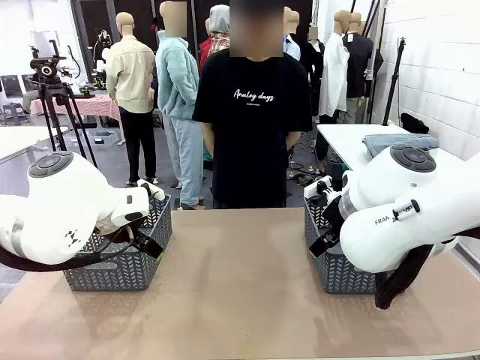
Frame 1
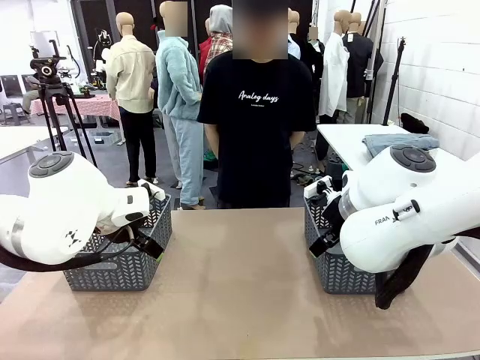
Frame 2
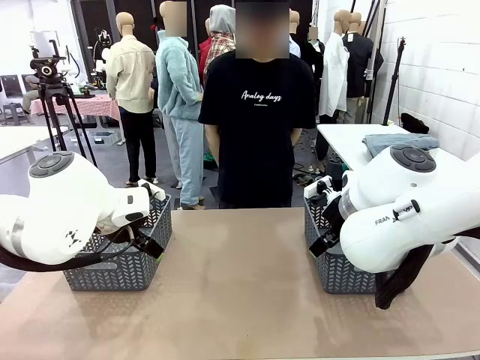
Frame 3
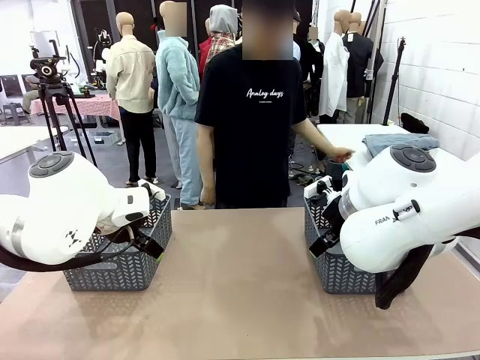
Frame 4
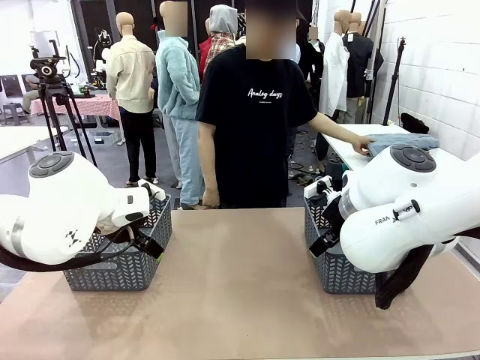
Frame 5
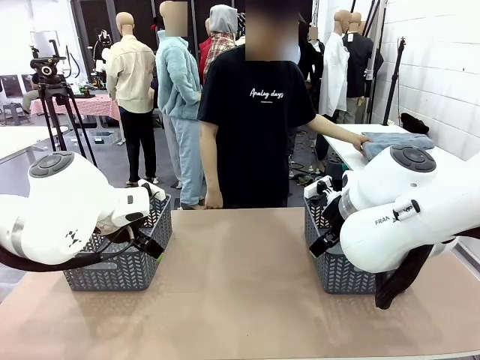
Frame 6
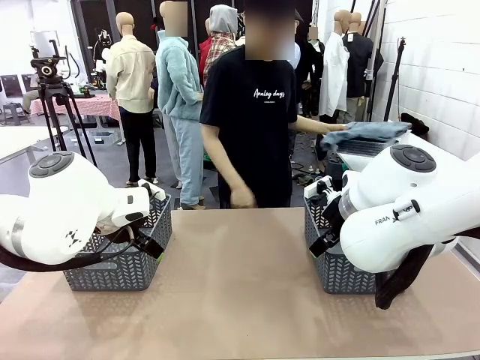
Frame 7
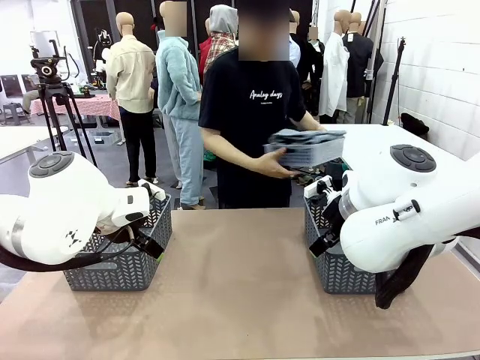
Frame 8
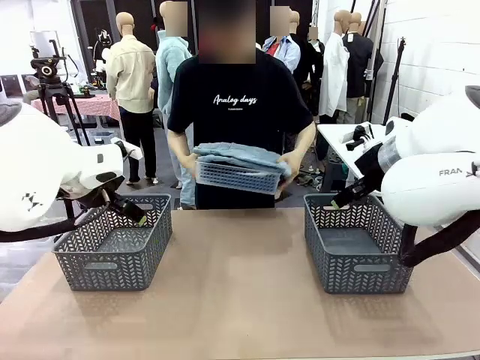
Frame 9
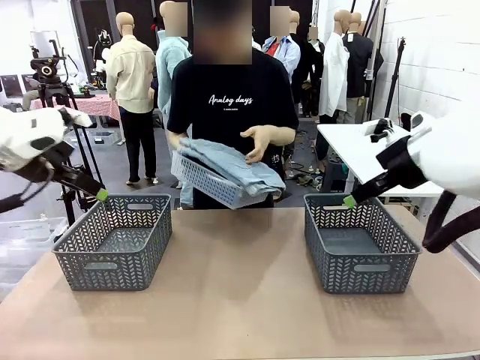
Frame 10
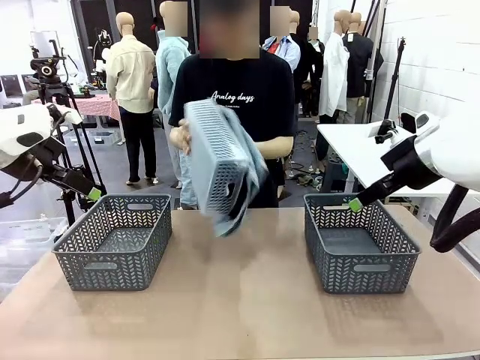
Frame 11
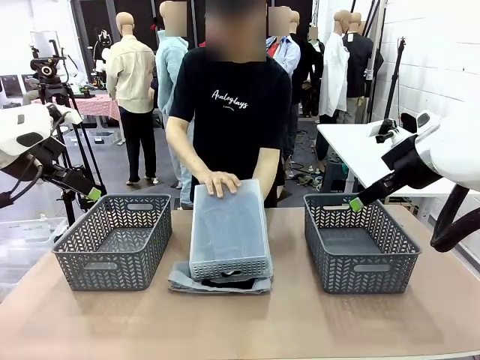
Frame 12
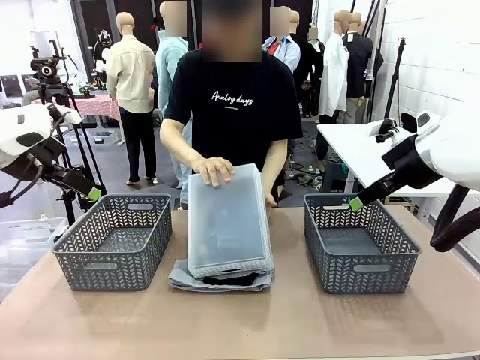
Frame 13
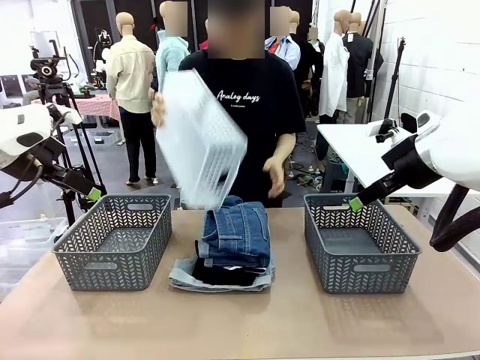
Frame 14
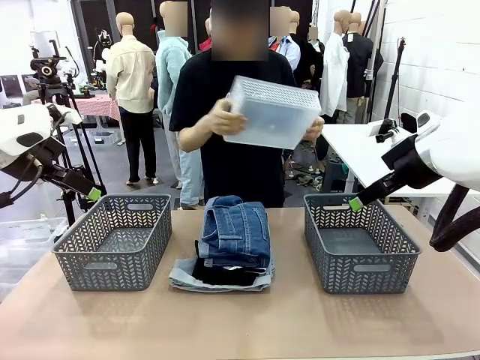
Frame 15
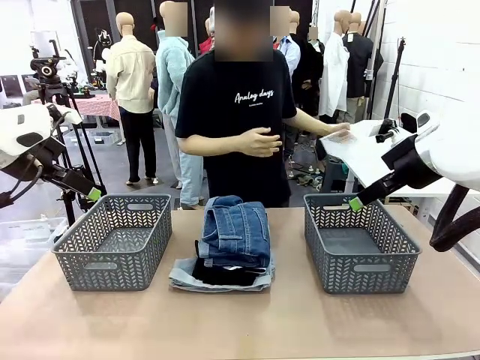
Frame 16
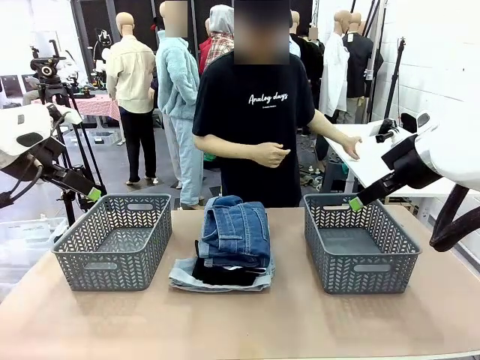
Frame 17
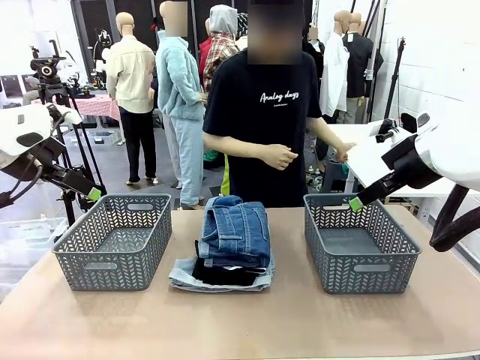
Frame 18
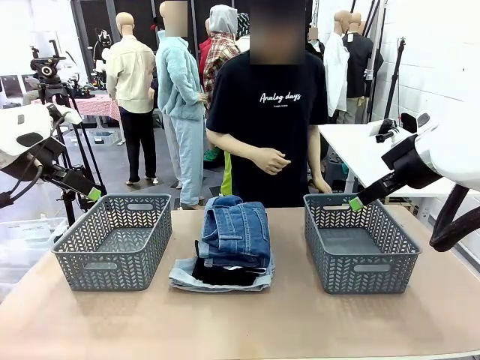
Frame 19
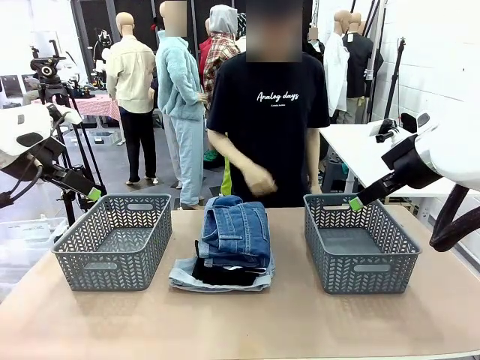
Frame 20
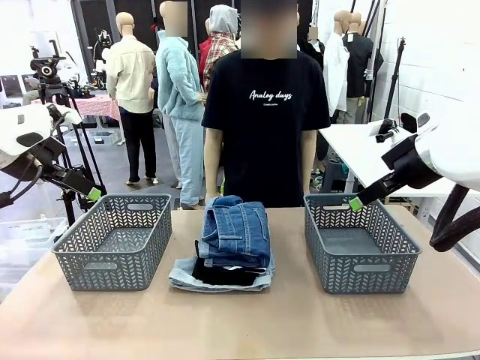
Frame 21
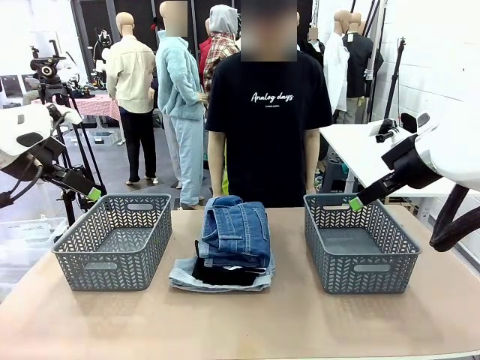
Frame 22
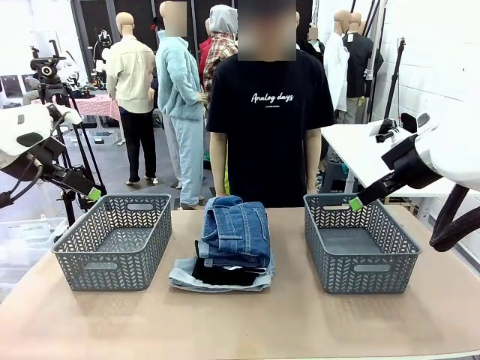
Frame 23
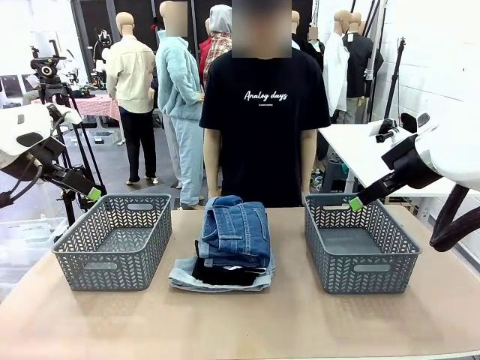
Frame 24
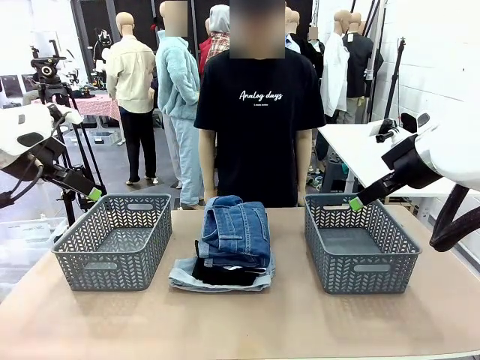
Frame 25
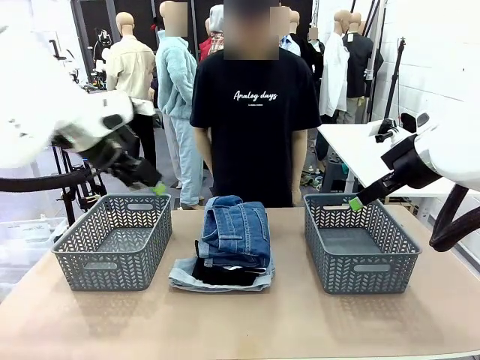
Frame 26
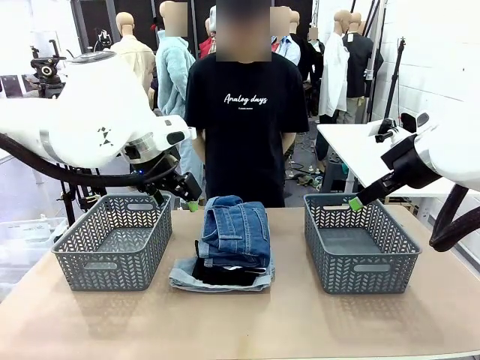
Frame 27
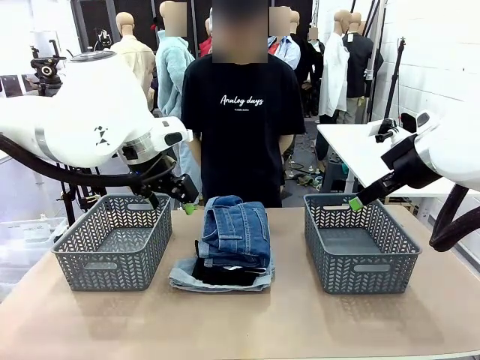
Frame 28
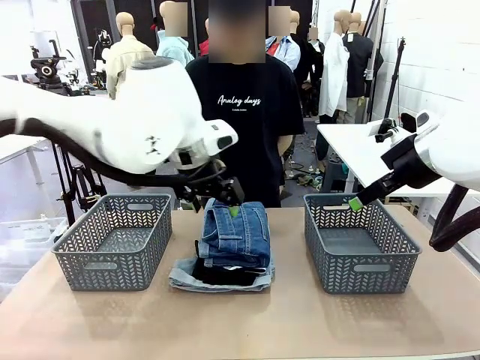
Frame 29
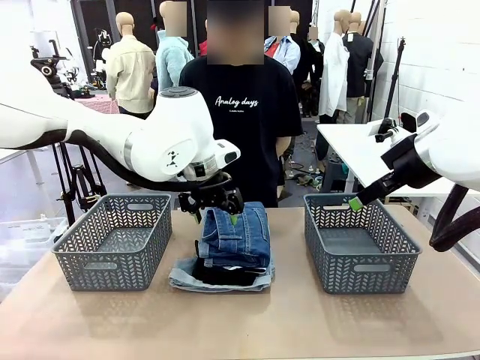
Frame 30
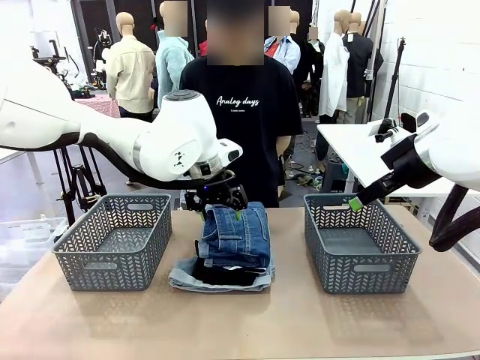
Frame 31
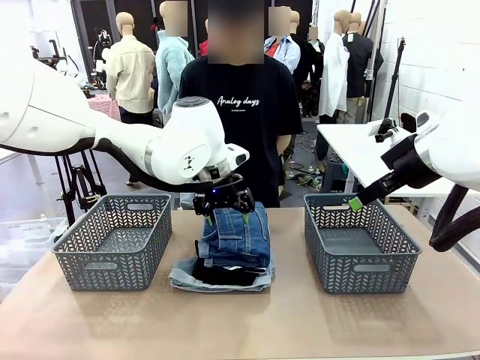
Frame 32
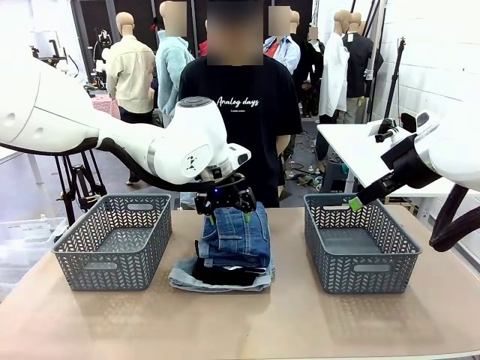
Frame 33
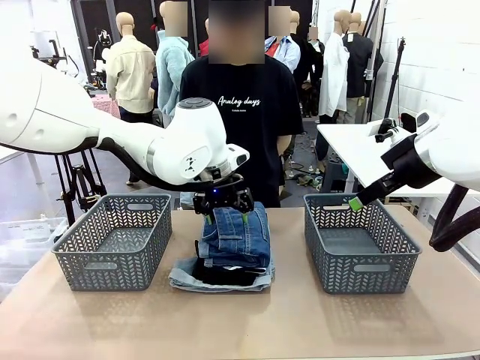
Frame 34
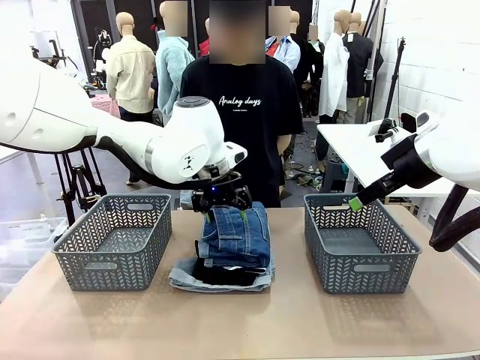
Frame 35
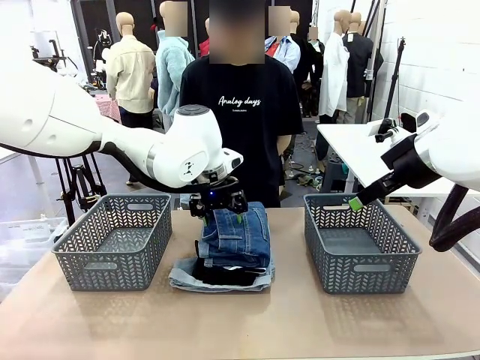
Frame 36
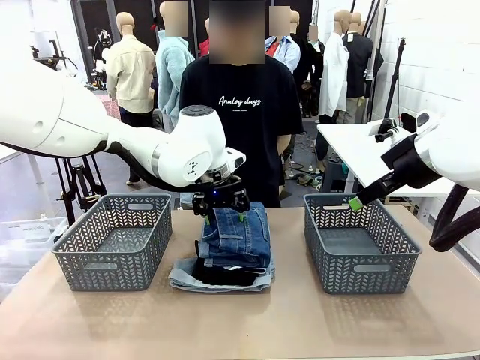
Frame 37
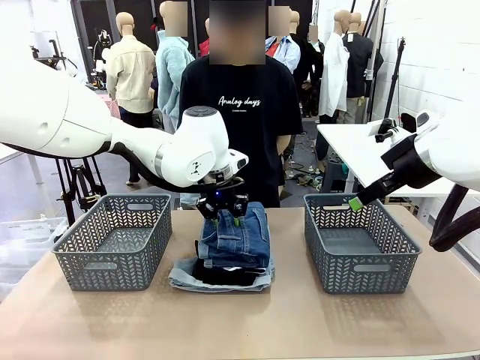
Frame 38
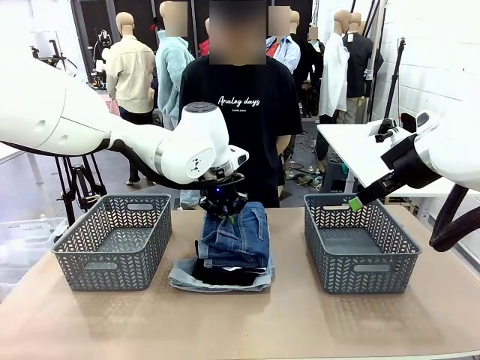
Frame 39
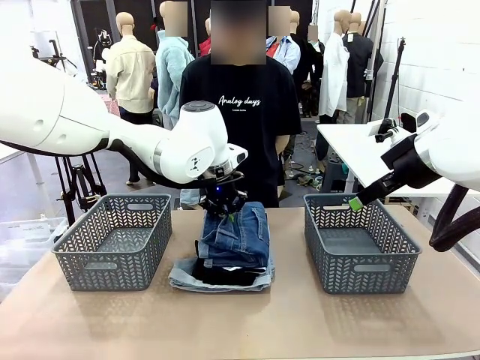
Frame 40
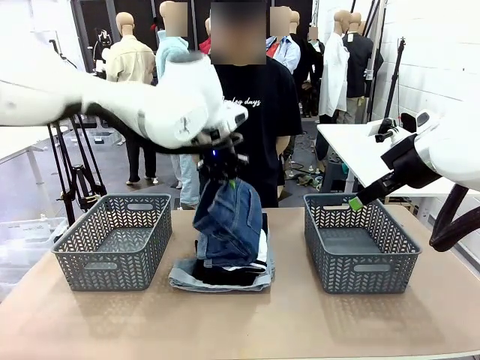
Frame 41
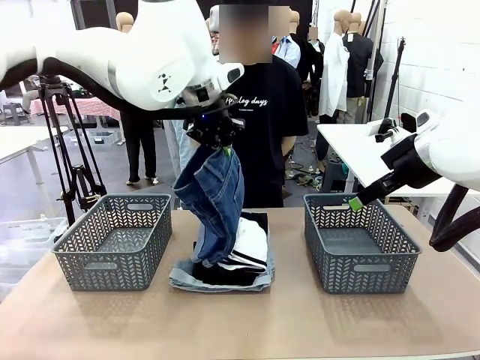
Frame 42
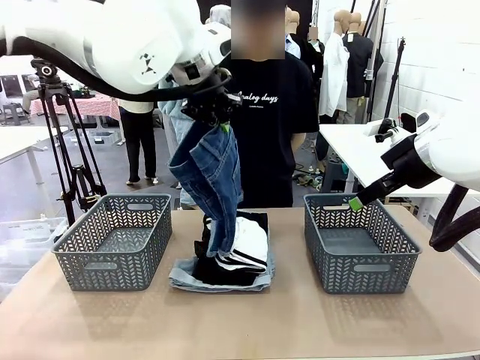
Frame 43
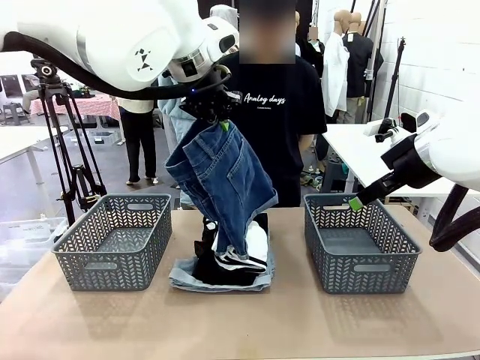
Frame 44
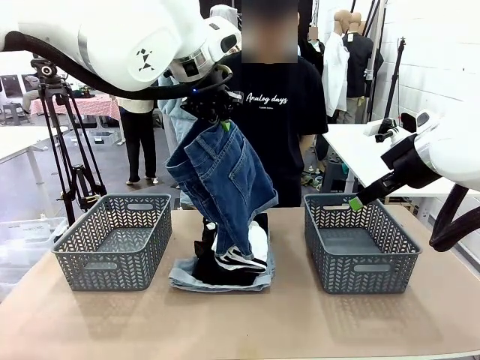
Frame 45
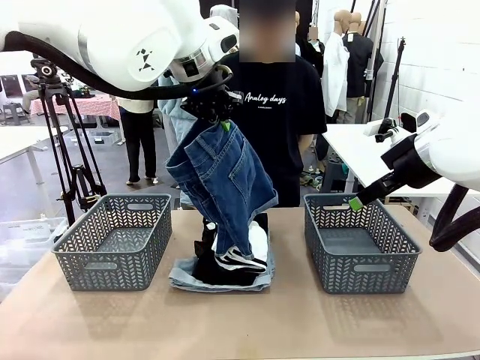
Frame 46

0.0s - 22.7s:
Task: Sort the tops and bottoms.
Robot: Lift clothes from the center of the table with your left hand.
Person: Pour the clothes from the basket onto the center of the robot table.
